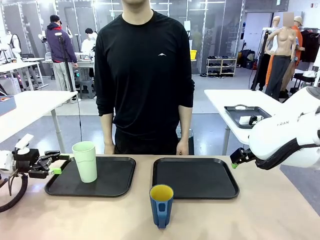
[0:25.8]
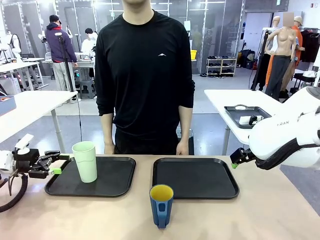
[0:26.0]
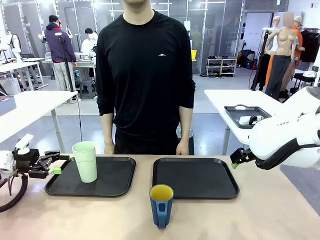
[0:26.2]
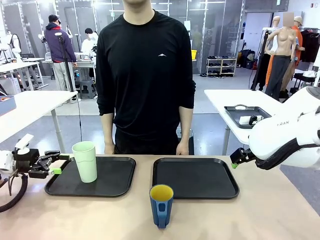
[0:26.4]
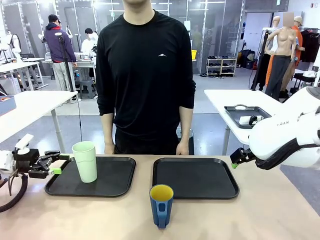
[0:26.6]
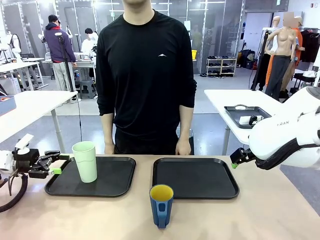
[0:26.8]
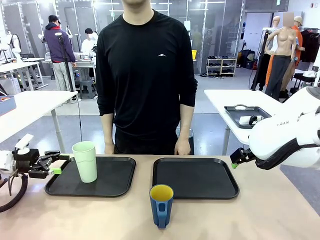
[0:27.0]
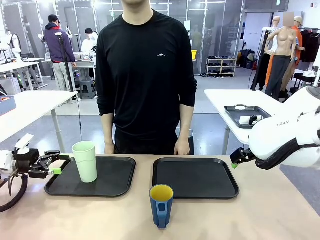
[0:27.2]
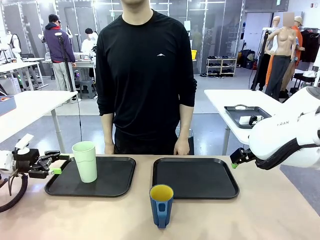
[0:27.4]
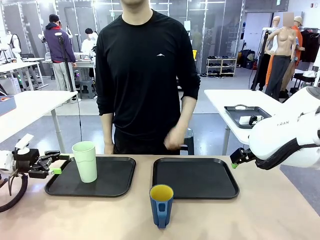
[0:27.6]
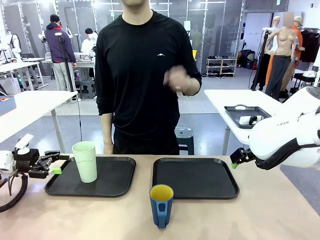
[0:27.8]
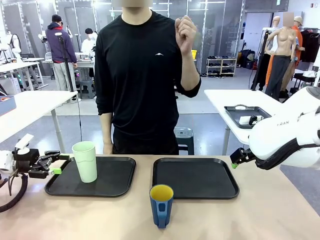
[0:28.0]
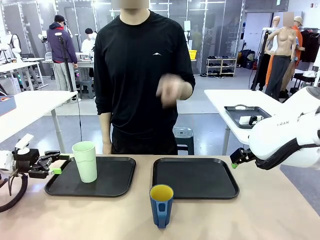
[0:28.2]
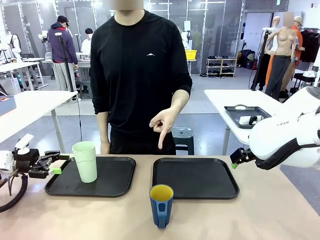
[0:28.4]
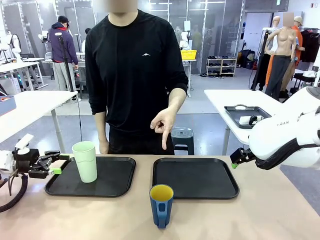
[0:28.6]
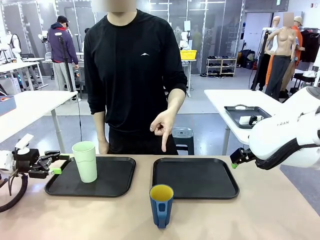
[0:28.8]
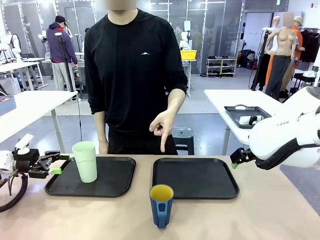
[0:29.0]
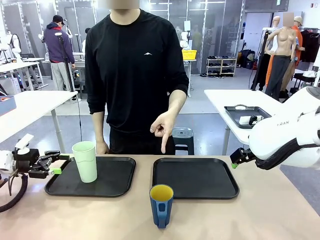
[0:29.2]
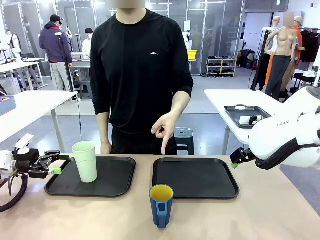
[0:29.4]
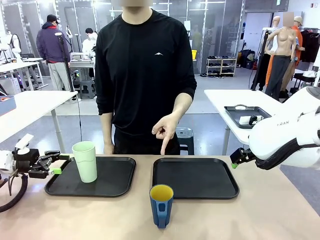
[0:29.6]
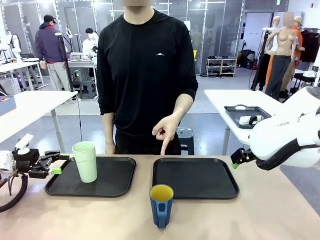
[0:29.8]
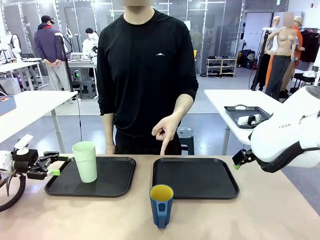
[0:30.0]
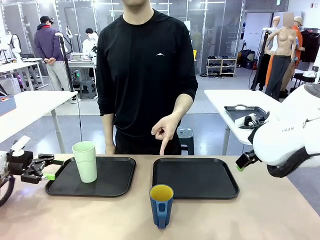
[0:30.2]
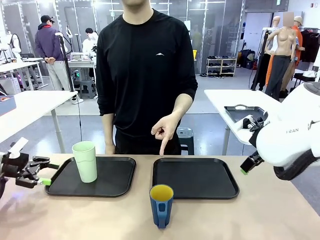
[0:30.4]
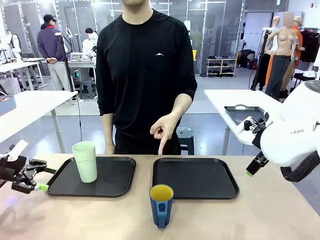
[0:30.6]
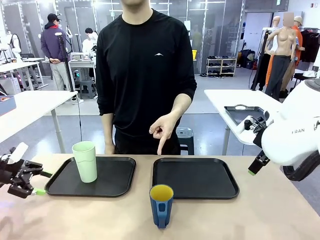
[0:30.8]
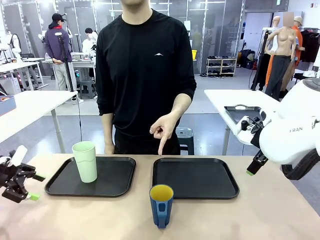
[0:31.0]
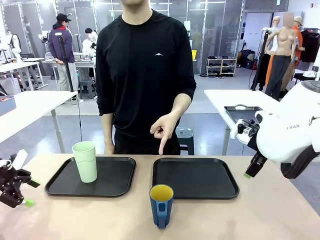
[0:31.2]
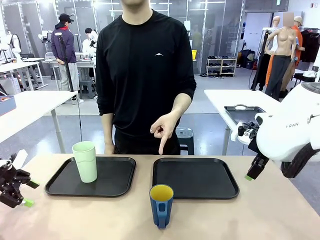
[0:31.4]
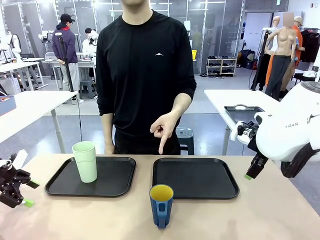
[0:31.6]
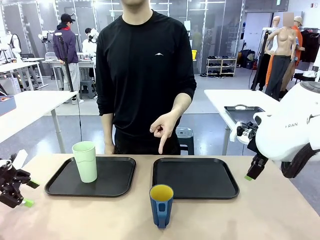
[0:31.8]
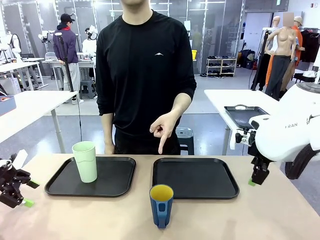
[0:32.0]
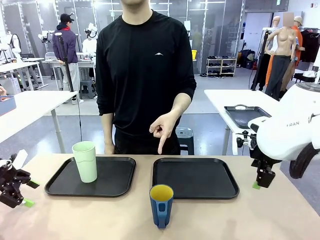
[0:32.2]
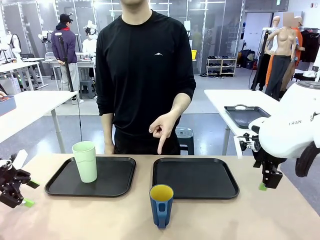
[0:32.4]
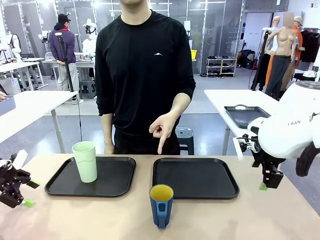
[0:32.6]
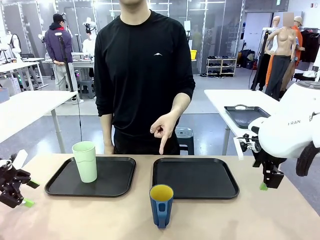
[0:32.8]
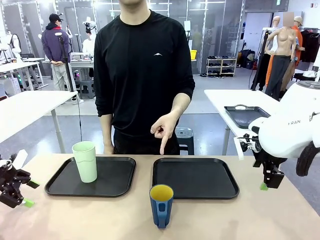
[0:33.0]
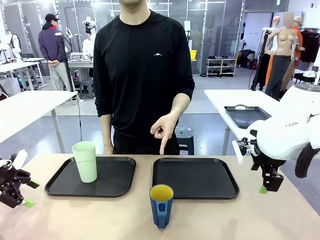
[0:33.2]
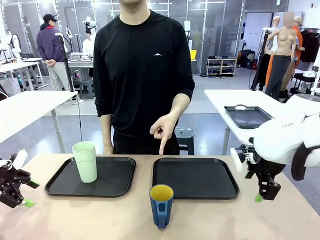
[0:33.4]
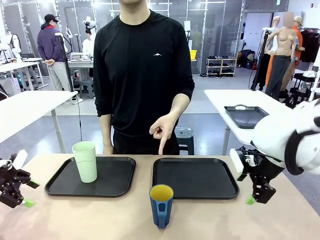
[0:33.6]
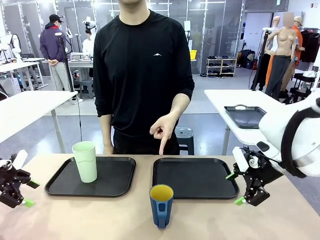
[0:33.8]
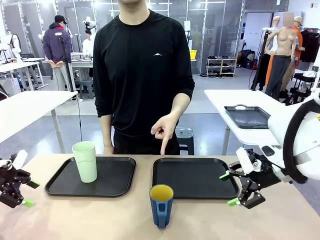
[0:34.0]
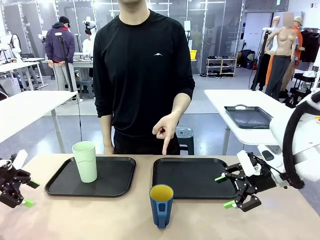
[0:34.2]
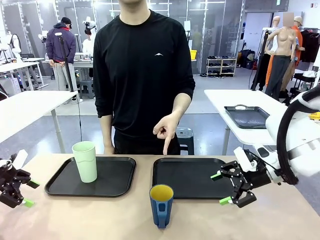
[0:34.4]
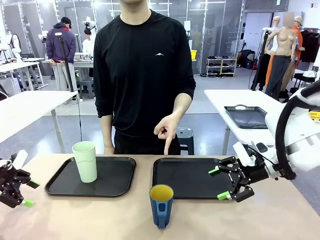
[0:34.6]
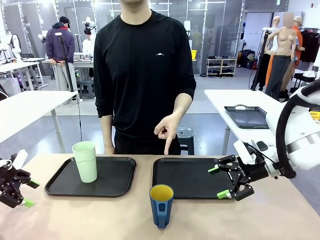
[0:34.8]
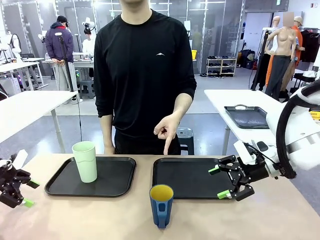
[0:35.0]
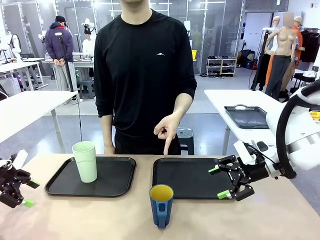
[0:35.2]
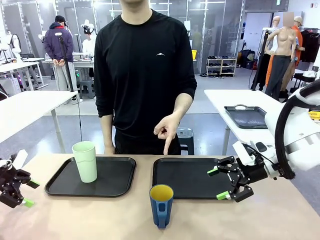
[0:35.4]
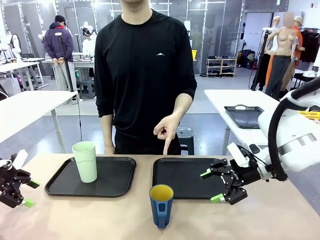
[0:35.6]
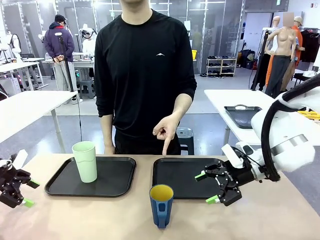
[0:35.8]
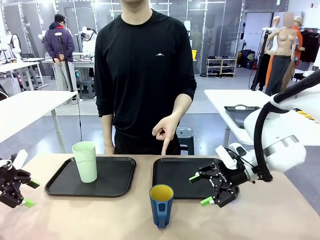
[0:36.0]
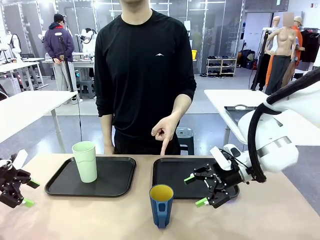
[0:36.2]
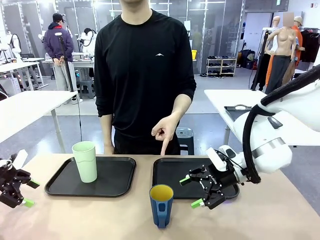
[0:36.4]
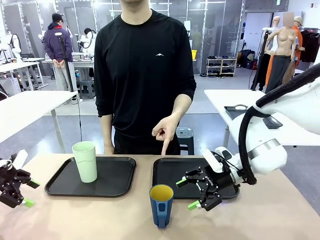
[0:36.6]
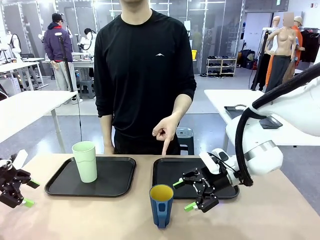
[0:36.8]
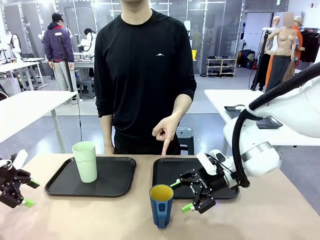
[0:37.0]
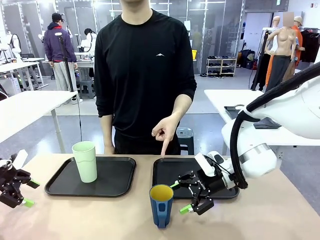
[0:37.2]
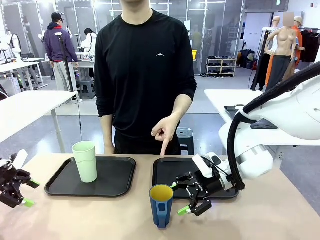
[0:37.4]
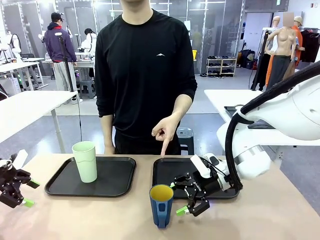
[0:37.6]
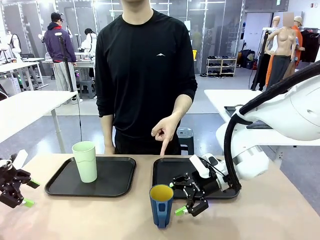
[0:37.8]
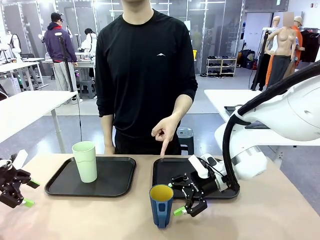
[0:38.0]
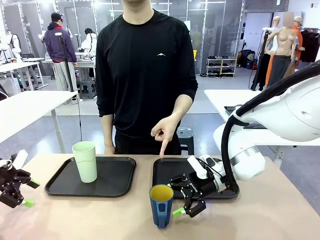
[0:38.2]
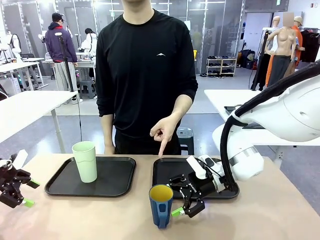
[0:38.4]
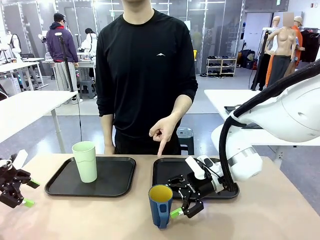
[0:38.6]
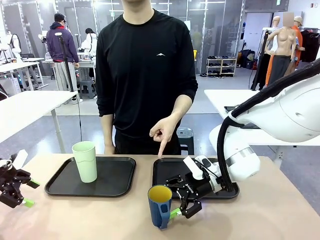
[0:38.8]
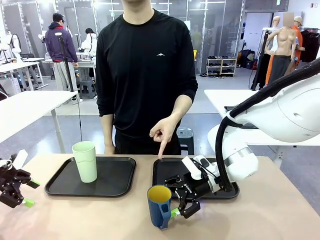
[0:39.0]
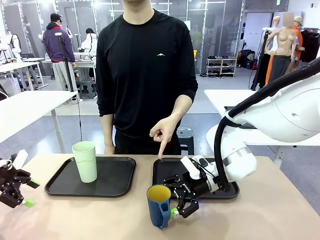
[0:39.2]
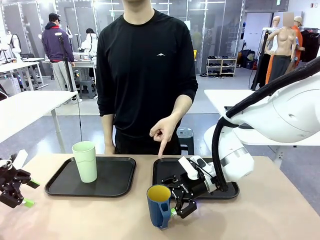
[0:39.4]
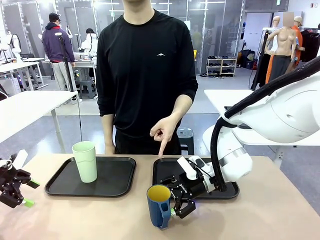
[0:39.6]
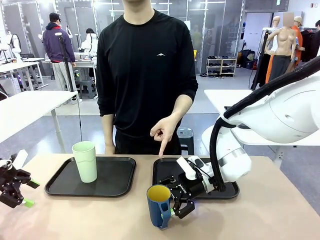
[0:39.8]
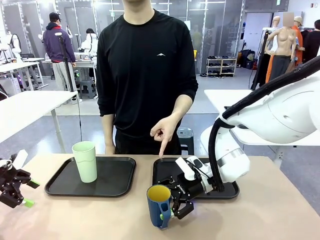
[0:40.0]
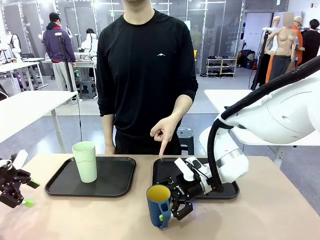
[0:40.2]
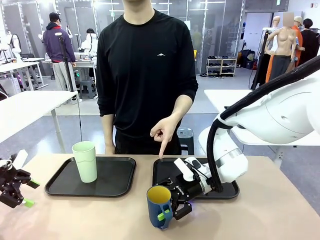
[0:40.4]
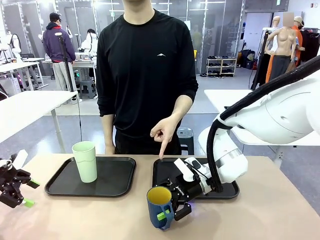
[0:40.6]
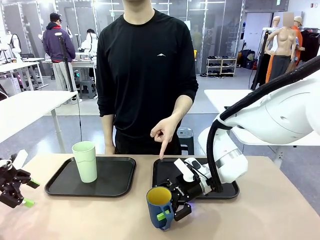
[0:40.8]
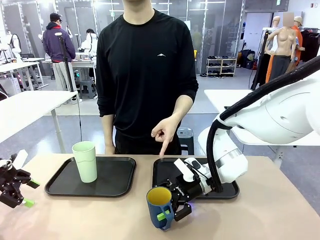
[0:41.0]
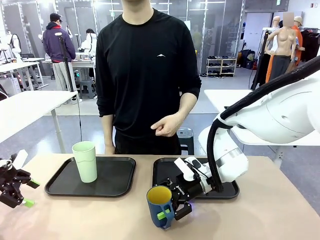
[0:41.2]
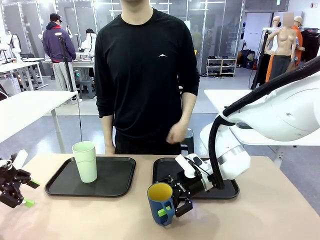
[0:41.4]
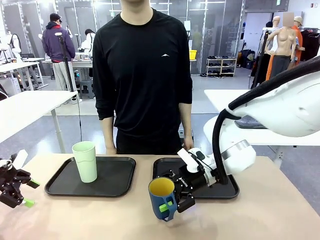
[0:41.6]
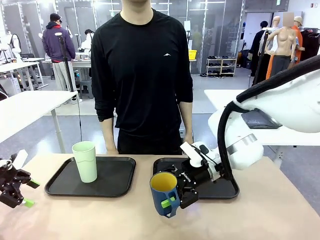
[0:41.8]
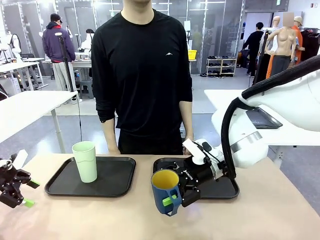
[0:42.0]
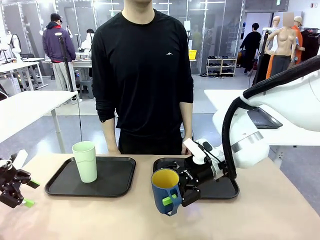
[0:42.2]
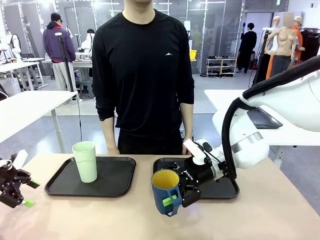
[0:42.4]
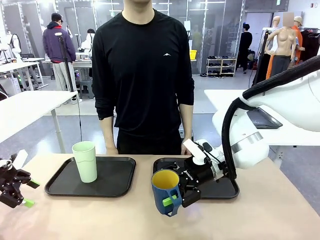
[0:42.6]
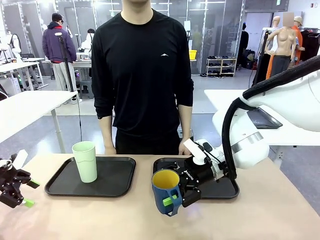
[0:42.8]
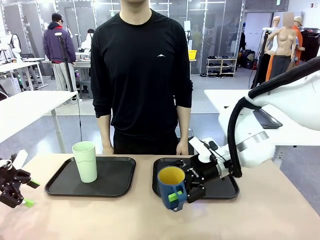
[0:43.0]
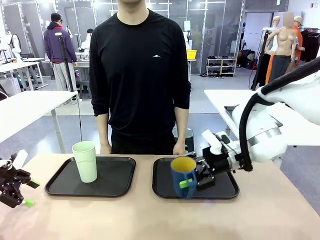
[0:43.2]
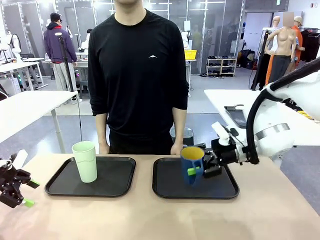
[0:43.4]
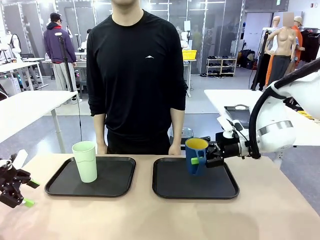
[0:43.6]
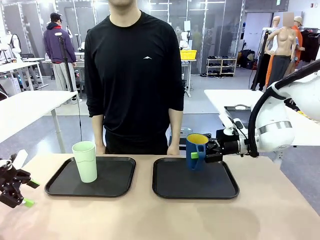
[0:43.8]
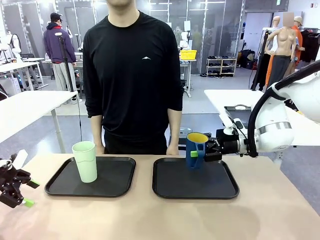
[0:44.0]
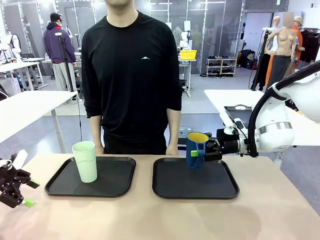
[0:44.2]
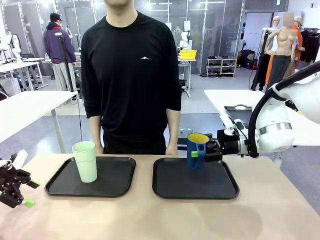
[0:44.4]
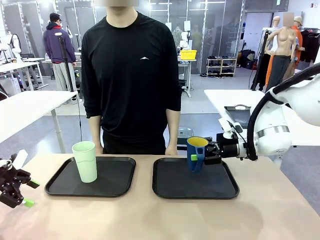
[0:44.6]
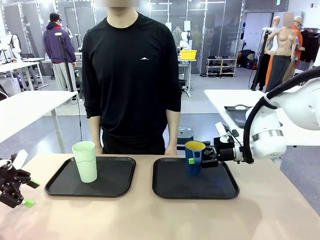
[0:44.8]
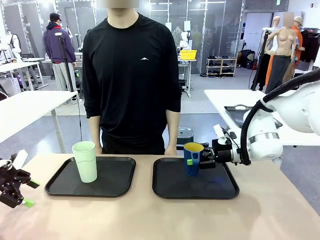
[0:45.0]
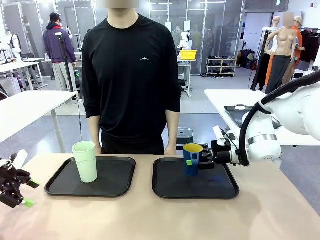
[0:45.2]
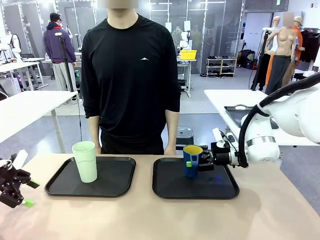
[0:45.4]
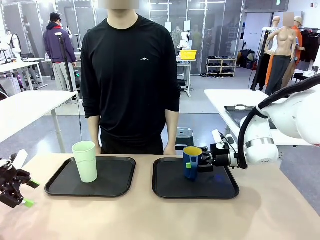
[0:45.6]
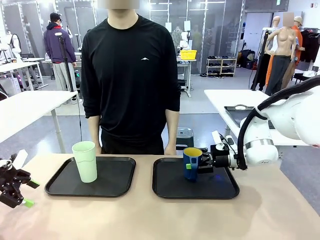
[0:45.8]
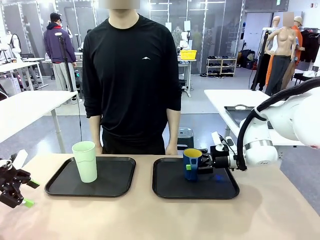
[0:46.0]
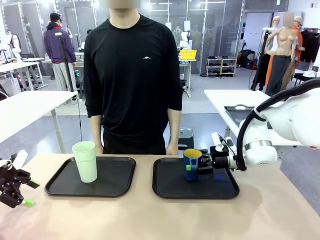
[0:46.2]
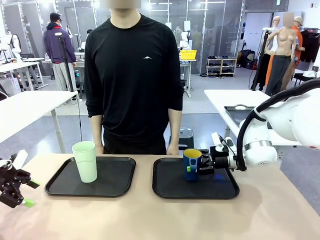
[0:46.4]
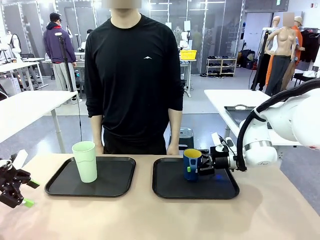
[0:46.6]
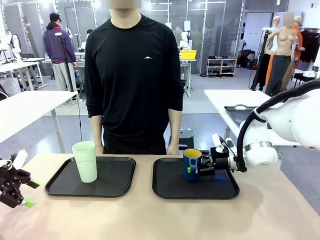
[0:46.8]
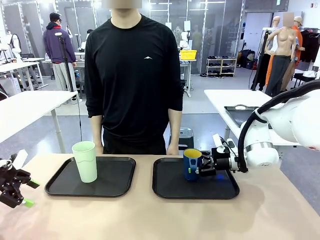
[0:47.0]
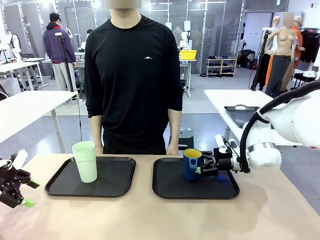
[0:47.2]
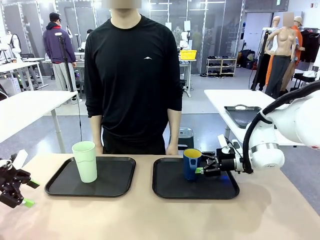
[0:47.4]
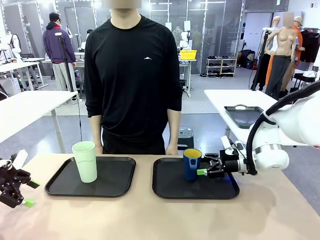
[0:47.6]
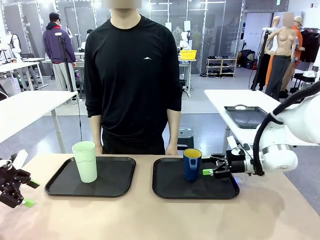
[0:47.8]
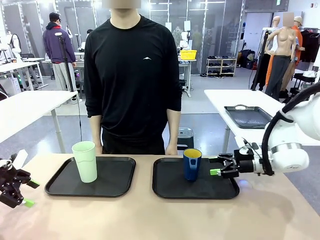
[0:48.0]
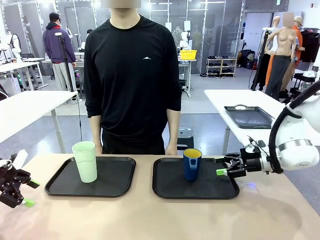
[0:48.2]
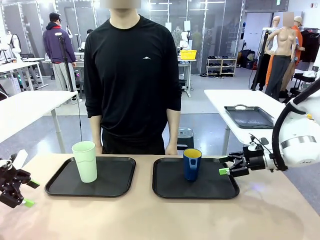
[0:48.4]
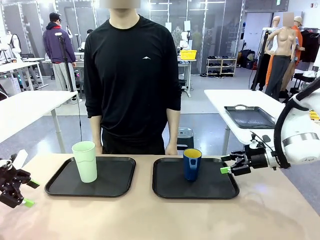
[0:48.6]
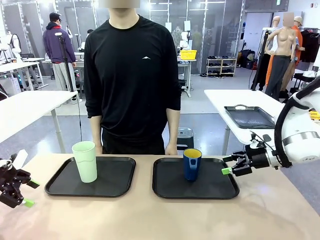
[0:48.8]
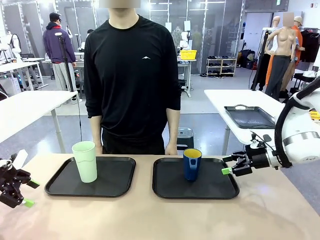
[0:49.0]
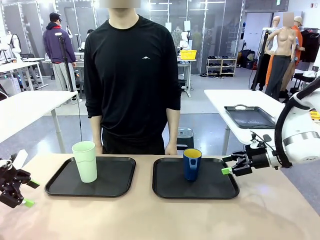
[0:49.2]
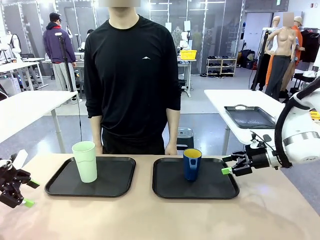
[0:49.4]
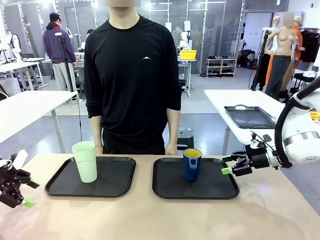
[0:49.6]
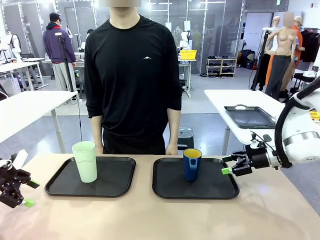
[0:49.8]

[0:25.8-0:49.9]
Task: Sort and store the cups by type.
Robot: Pick up the Handle plastic cup and place it into the empty Flat Tray.
Person: Points to the cup with a handle.
